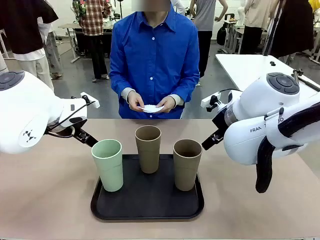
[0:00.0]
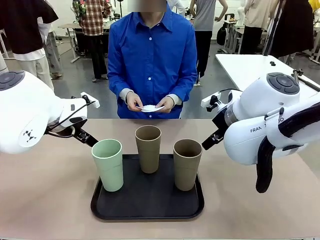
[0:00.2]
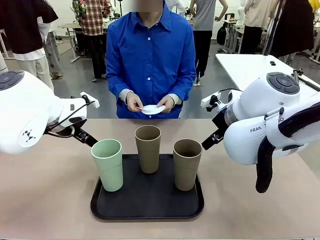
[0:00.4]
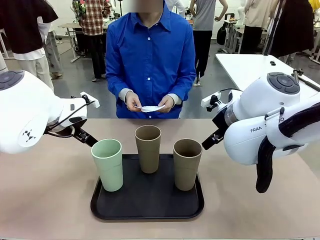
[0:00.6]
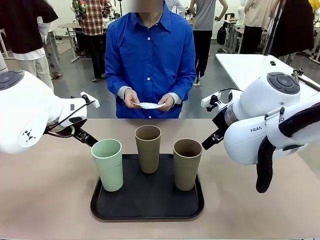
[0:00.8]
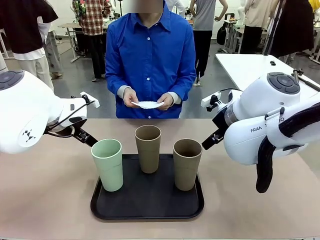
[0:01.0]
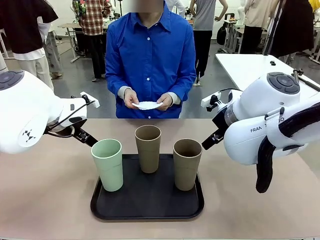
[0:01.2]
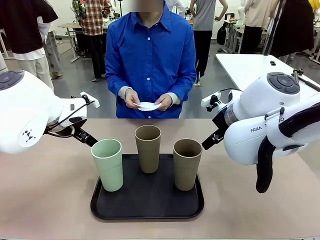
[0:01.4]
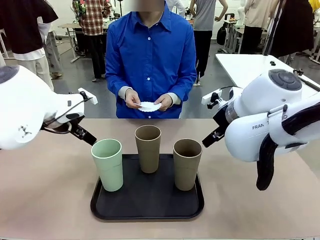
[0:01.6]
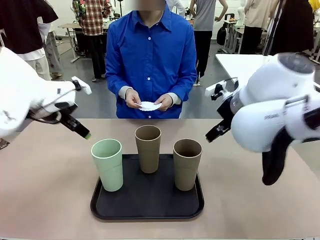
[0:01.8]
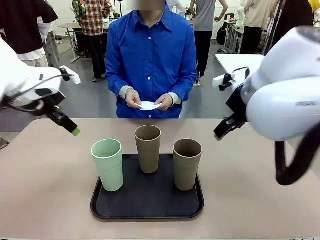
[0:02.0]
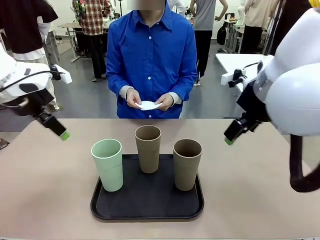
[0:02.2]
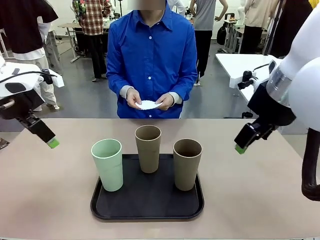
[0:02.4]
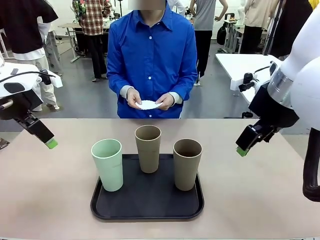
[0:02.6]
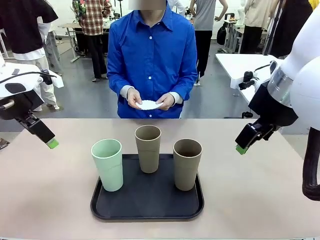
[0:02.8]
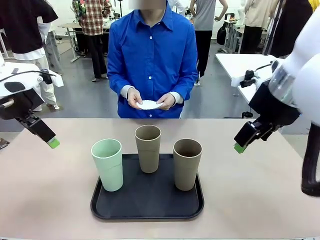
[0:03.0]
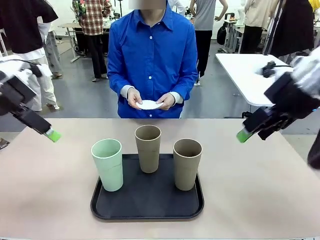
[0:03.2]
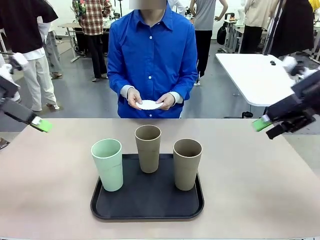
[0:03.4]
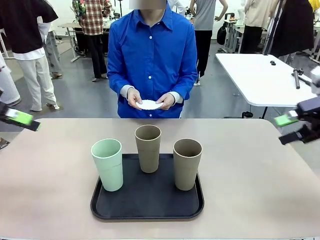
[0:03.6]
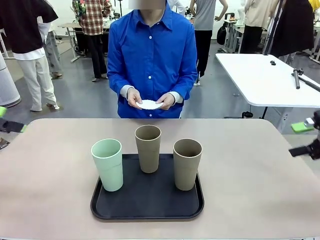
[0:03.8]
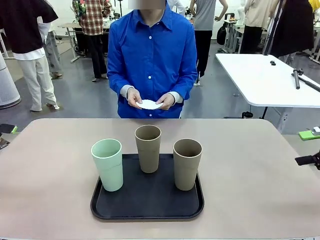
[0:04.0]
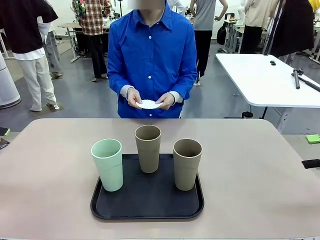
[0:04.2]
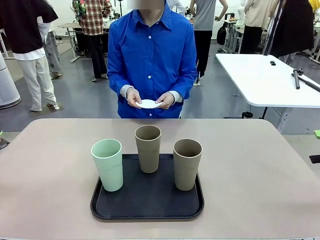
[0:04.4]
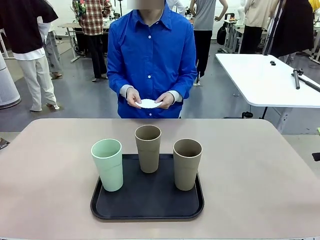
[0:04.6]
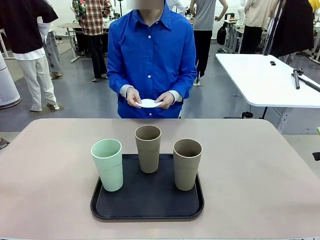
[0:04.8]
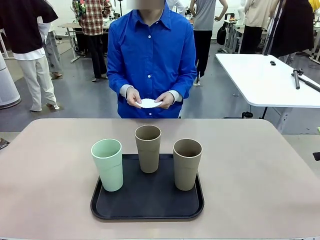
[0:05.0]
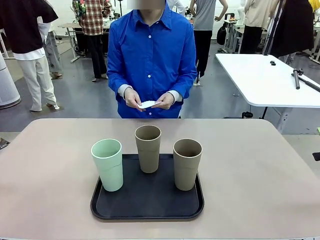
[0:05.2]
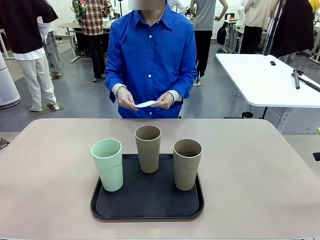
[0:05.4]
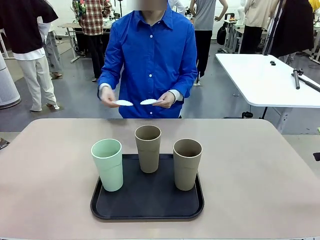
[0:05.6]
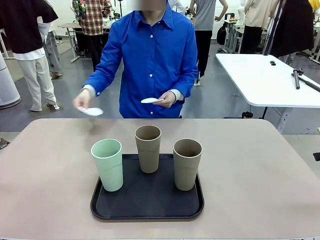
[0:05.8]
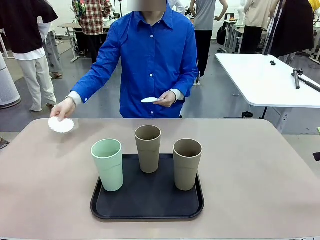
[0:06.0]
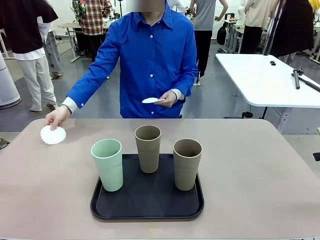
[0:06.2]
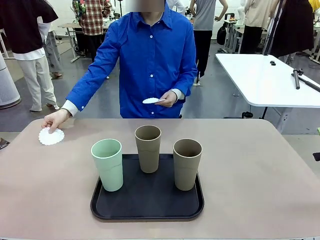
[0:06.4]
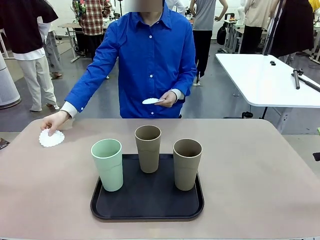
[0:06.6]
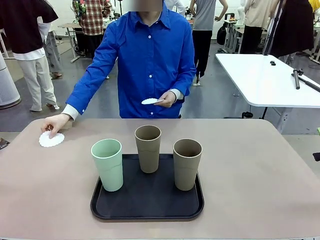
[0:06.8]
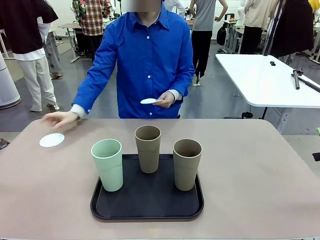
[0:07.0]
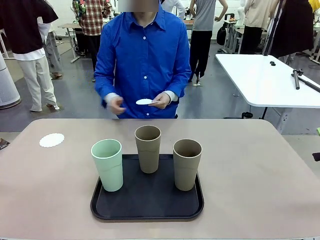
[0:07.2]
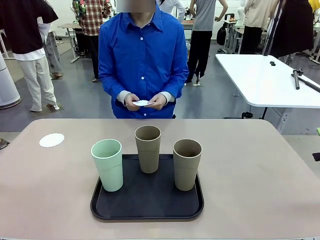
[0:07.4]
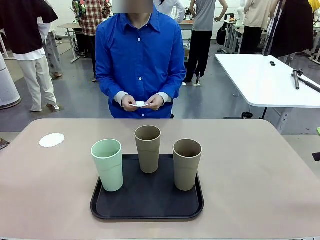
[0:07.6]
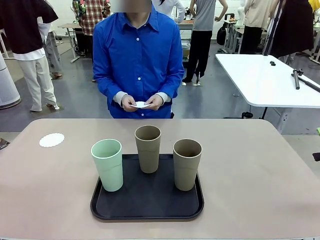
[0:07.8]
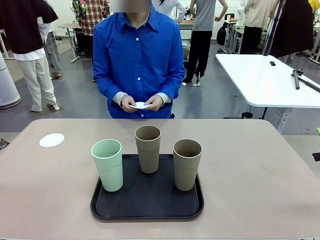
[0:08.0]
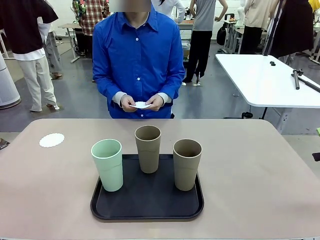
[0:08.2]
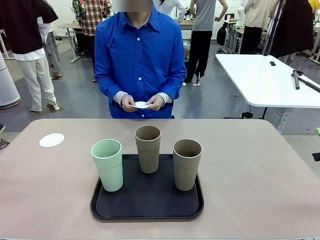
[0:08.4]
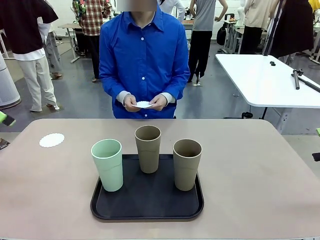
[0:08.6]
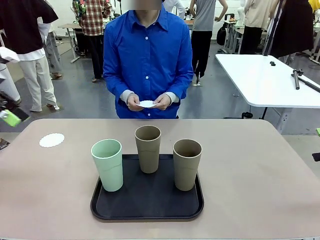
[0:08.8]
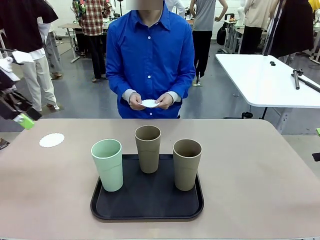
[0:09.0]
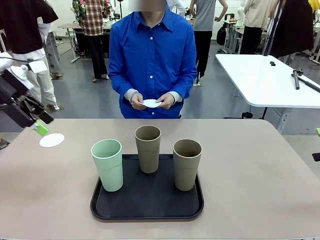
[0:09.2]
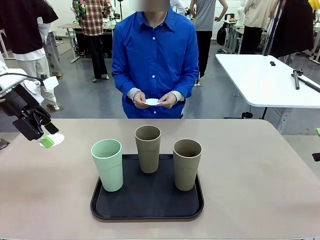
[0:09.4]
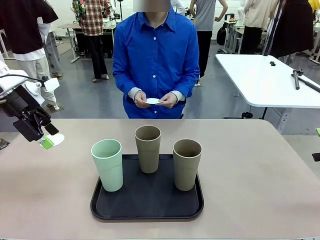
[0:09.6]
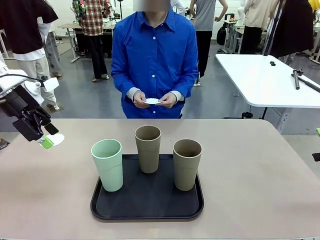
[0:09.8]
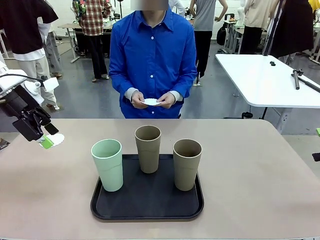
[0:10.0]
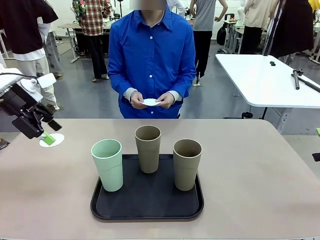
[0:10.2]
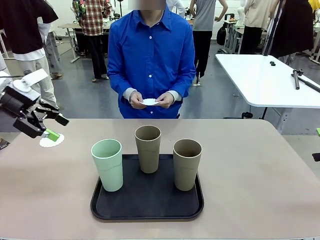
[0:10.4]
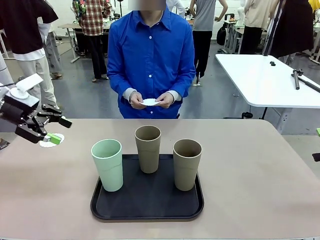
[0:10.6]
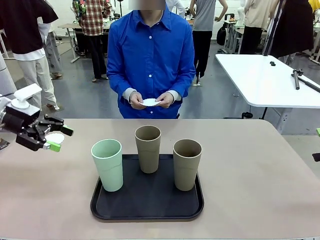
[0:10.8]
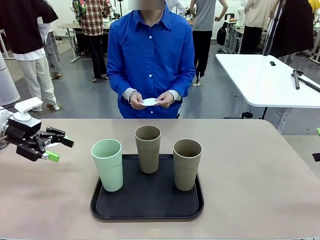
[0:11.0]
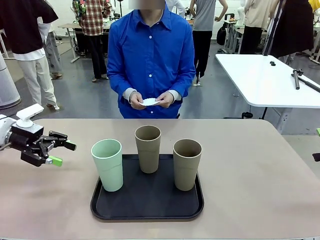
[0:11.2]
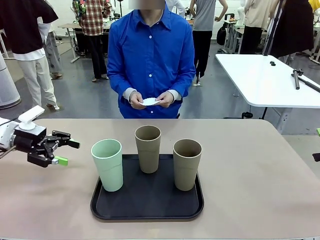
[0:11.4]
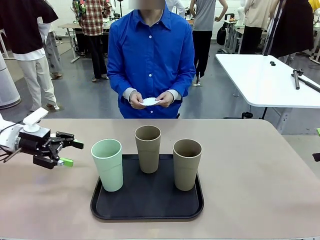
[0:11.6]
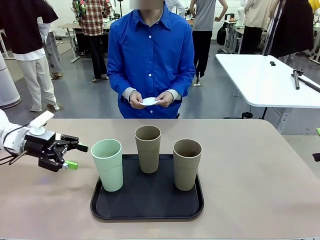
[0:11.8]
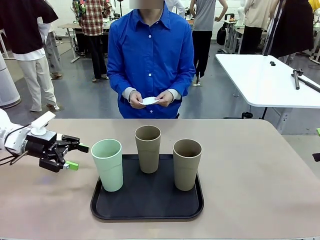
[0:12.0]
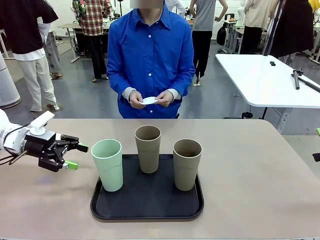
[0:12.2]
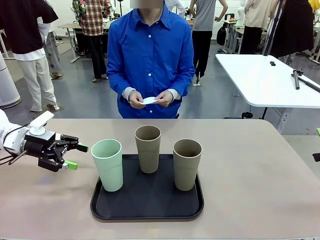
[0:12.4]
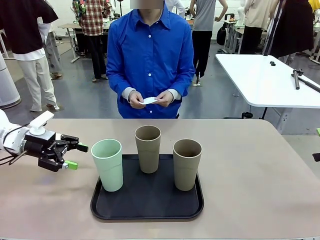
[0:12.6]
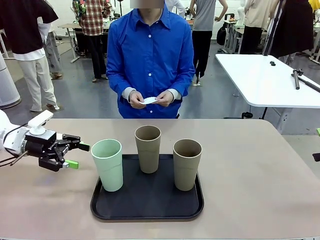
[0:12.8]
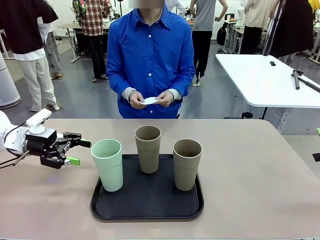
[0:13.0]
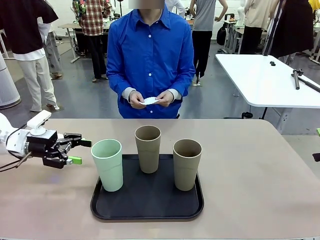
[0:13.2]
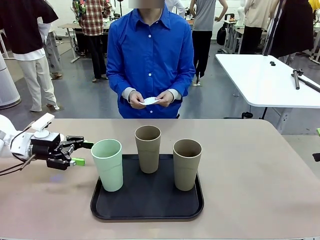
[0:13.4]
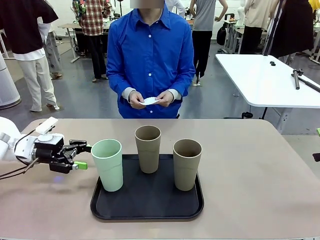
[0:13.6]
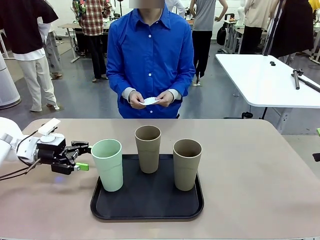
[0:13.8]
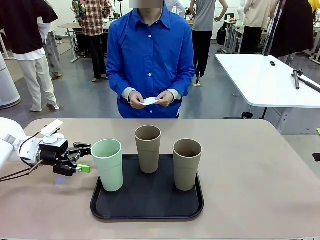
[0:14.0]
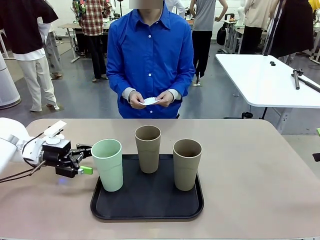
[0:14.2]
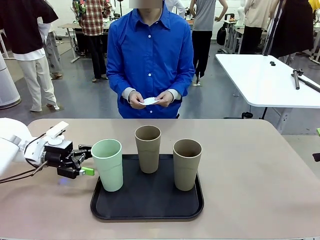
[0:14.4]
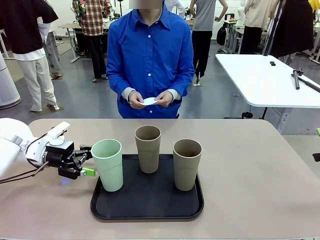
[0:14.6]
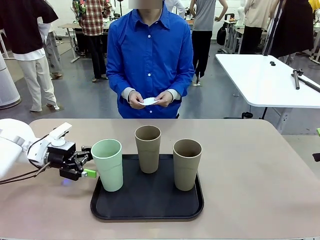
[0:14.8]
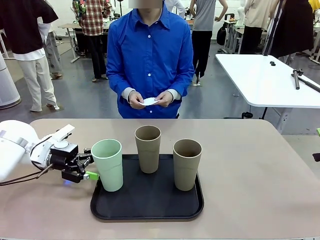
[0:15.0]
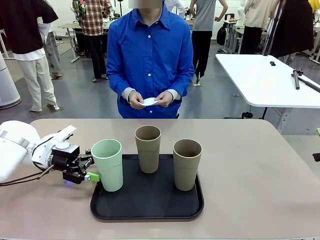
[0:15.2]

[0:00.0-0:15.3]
Task: Place coasters on the table and set cups on them.
Robot: Pick up one Reusable plastic cup and place it on a coaster set by the human.
Person: Place one coaster in any one of the three lower areas of the robot table (left, center, or right).
